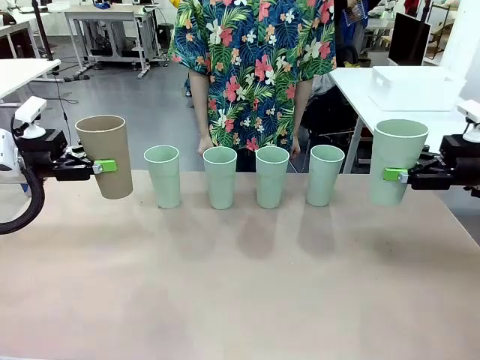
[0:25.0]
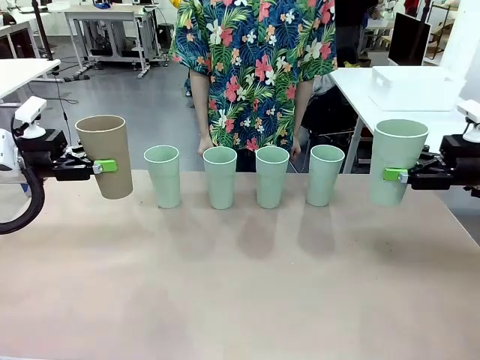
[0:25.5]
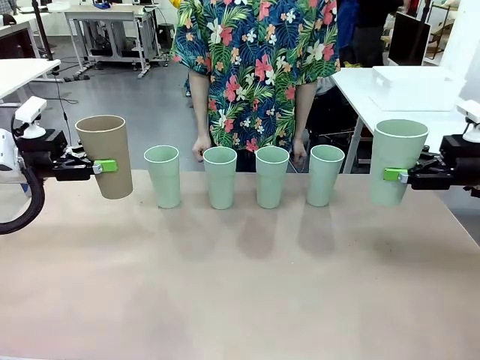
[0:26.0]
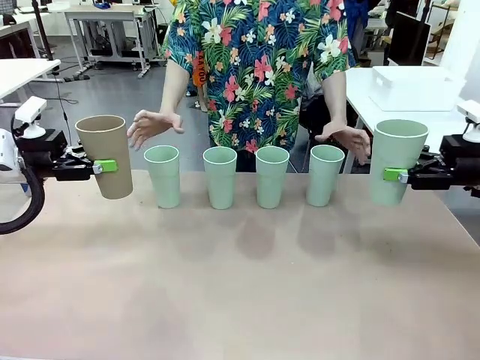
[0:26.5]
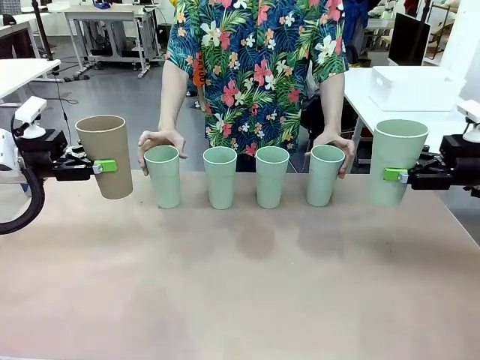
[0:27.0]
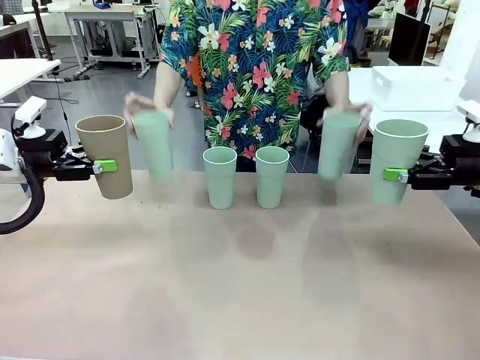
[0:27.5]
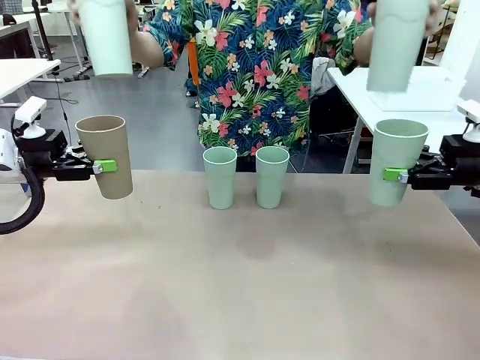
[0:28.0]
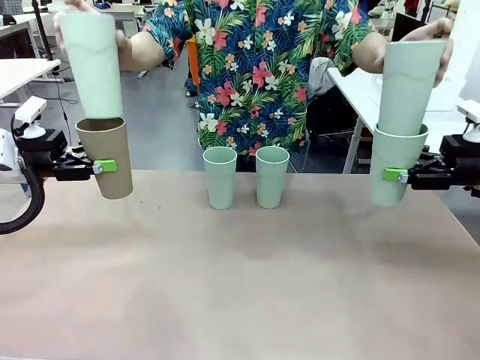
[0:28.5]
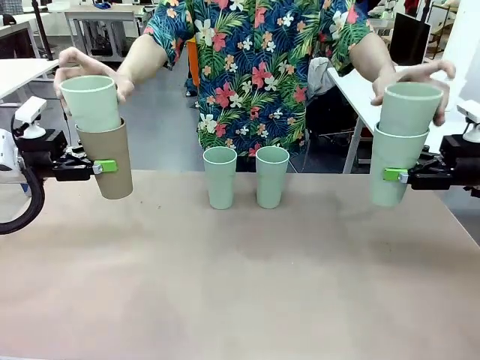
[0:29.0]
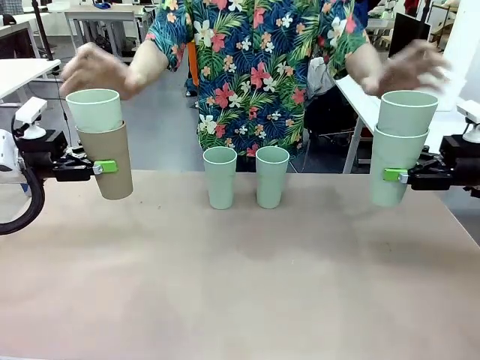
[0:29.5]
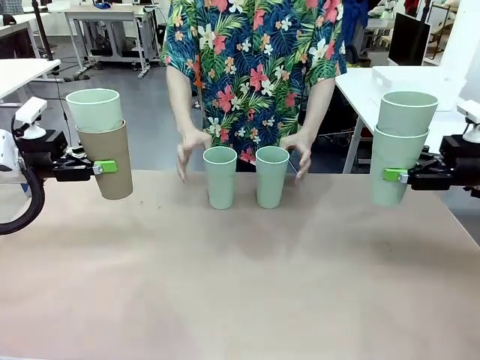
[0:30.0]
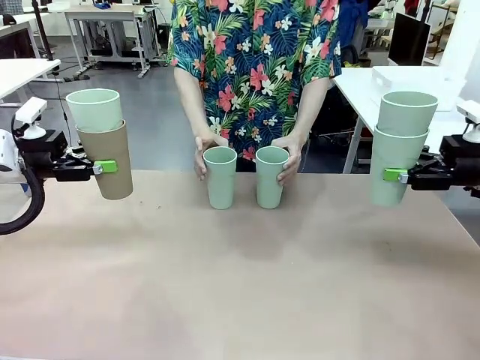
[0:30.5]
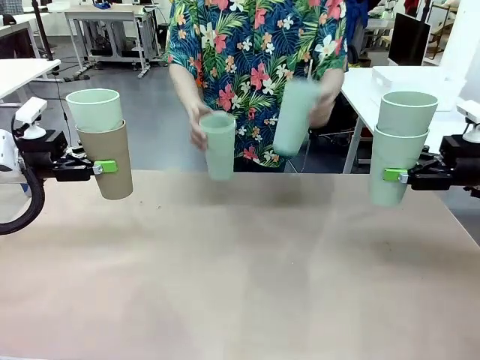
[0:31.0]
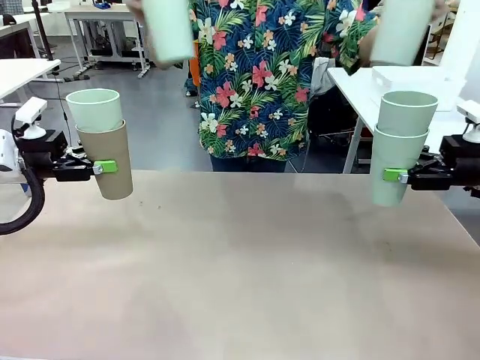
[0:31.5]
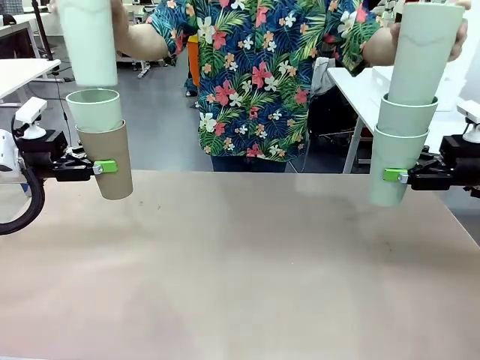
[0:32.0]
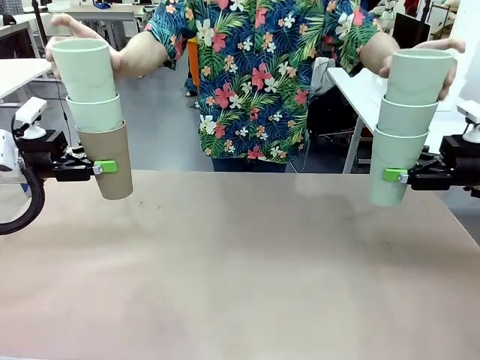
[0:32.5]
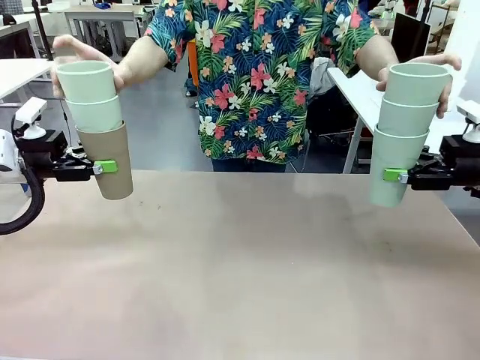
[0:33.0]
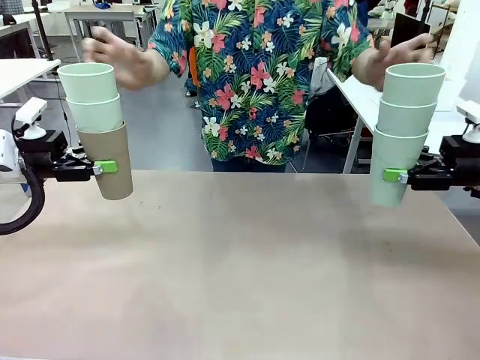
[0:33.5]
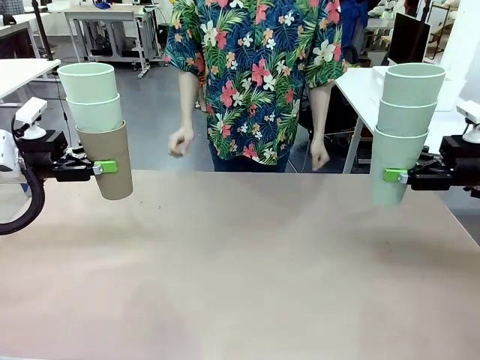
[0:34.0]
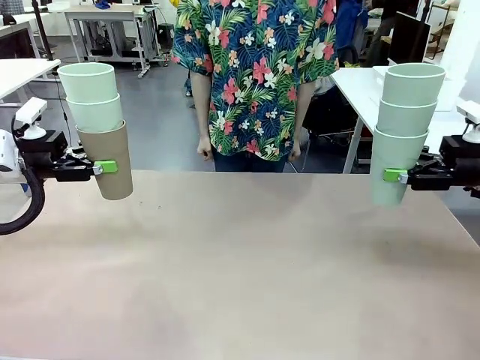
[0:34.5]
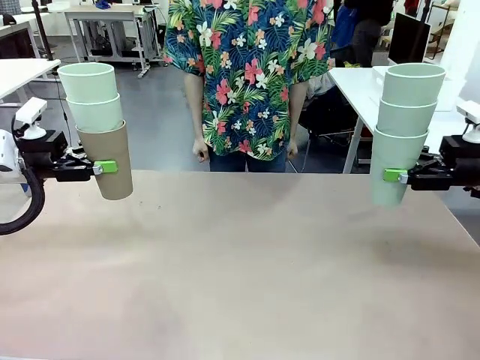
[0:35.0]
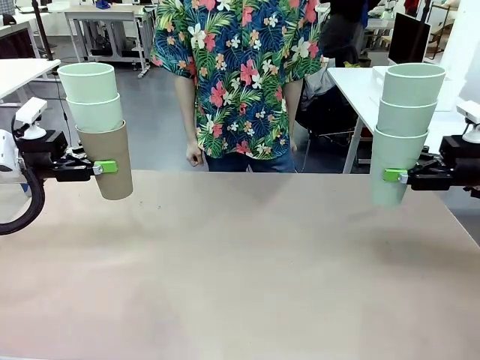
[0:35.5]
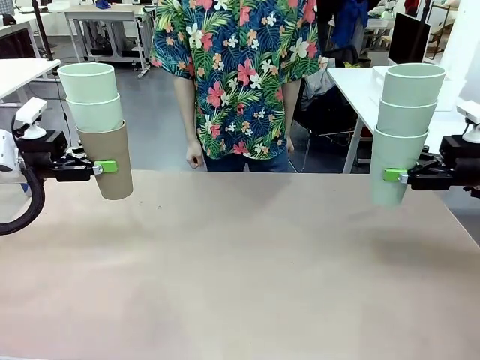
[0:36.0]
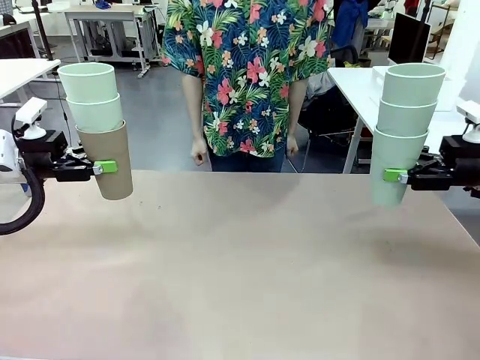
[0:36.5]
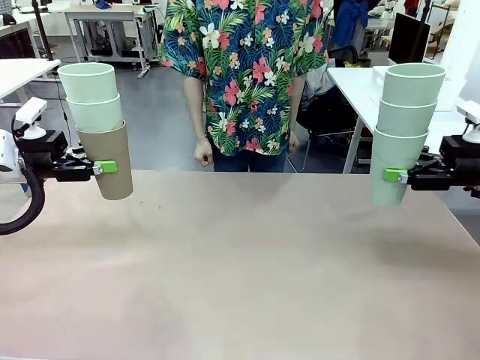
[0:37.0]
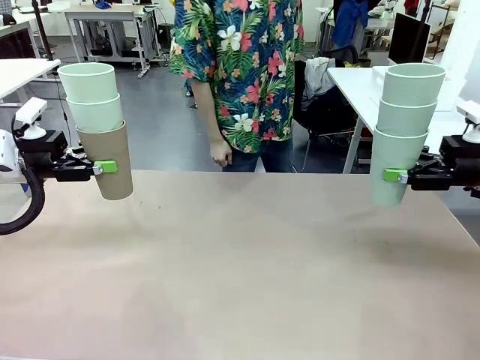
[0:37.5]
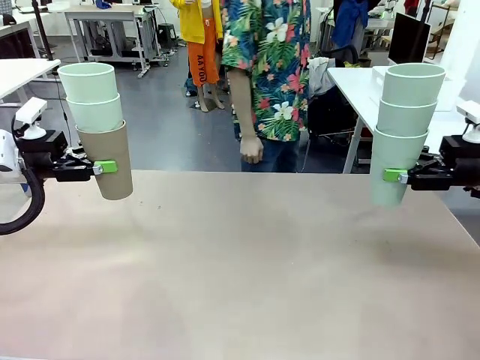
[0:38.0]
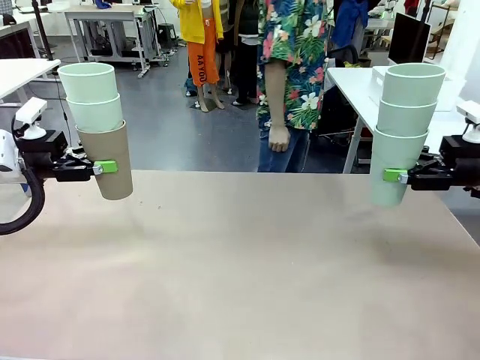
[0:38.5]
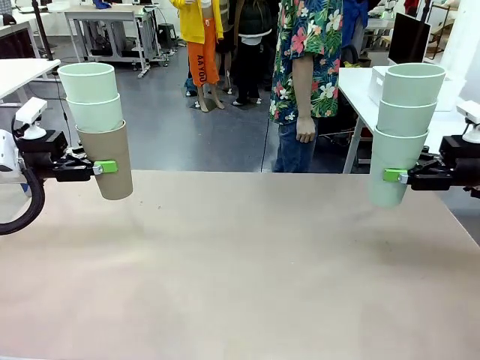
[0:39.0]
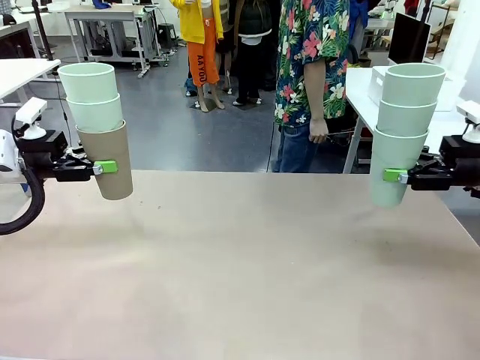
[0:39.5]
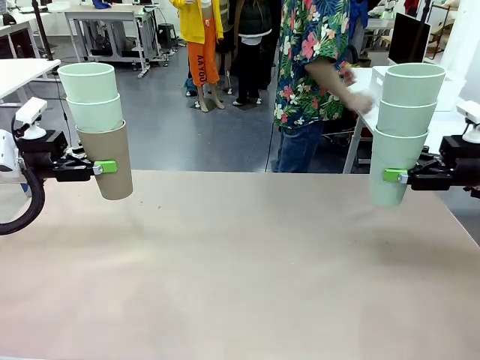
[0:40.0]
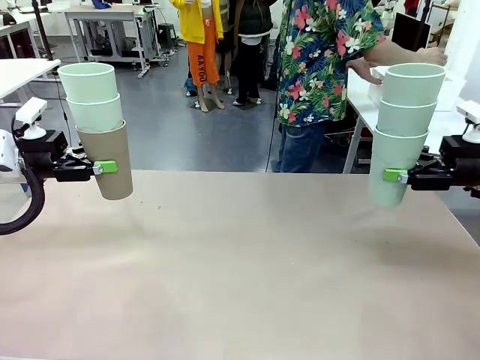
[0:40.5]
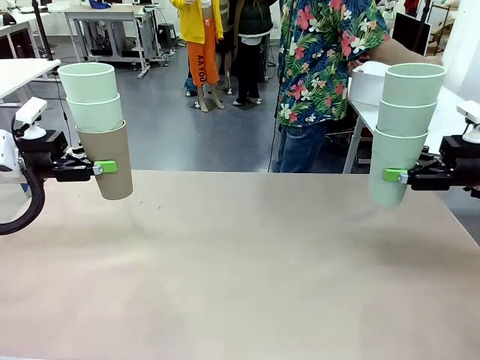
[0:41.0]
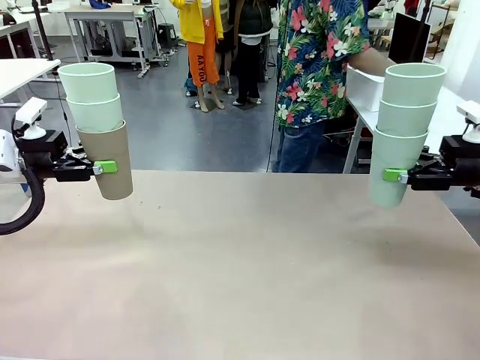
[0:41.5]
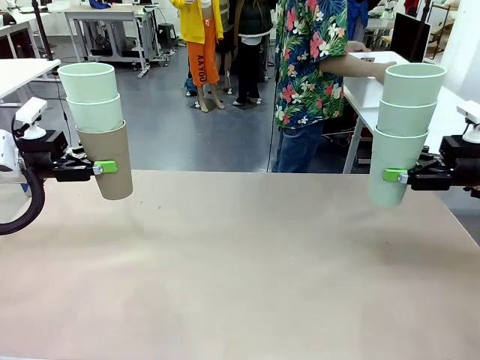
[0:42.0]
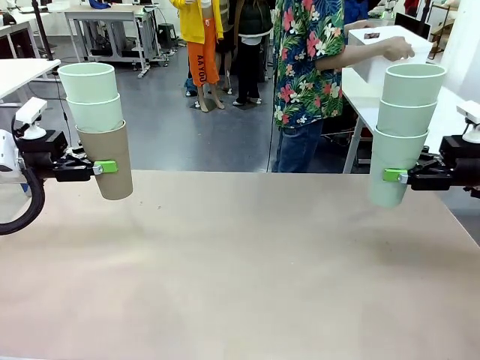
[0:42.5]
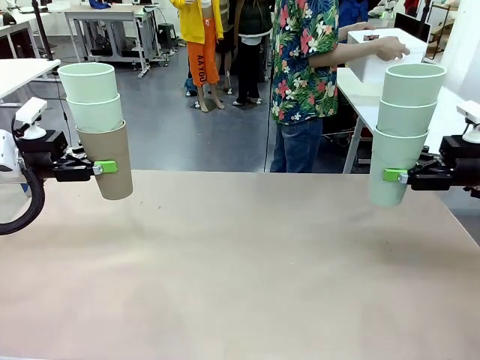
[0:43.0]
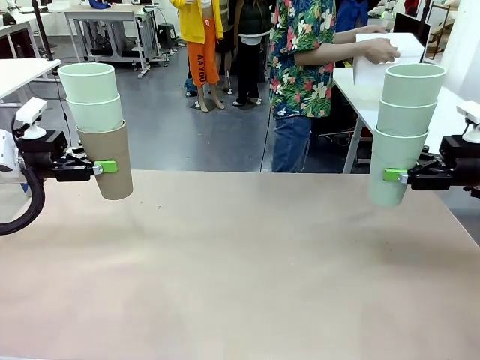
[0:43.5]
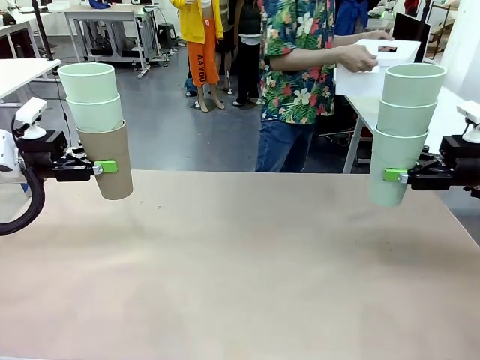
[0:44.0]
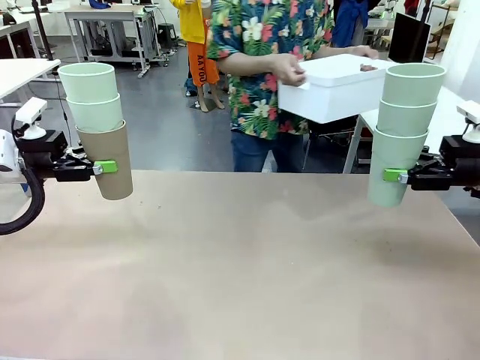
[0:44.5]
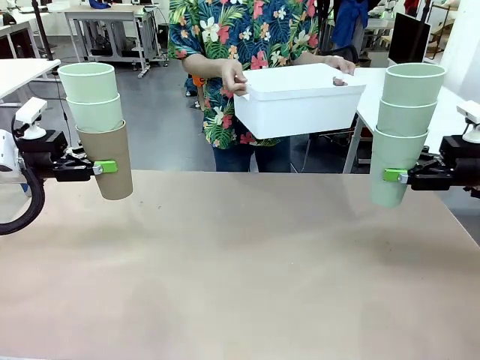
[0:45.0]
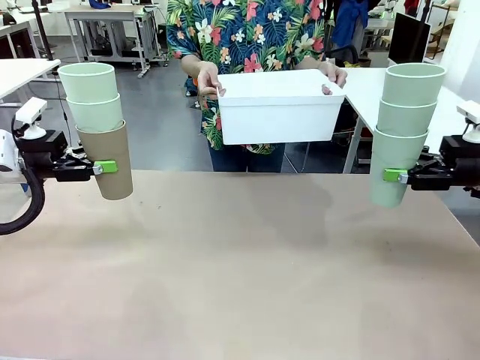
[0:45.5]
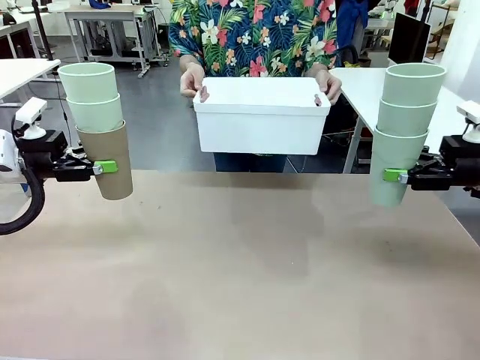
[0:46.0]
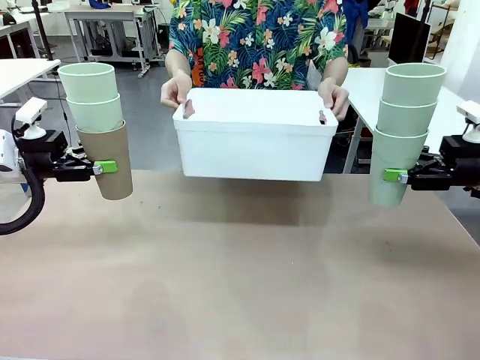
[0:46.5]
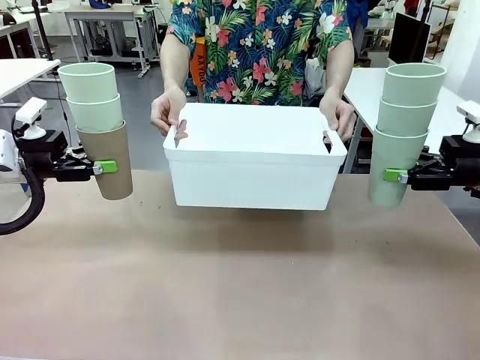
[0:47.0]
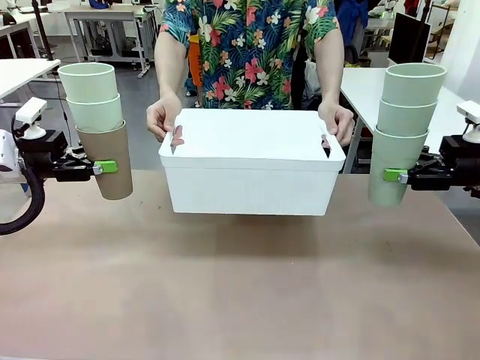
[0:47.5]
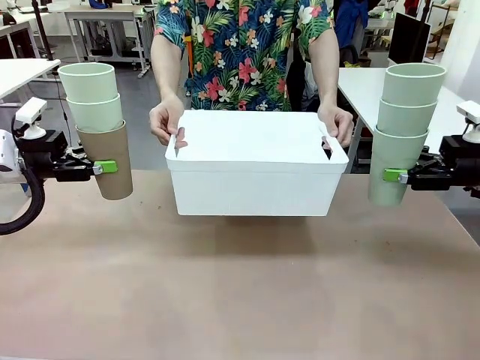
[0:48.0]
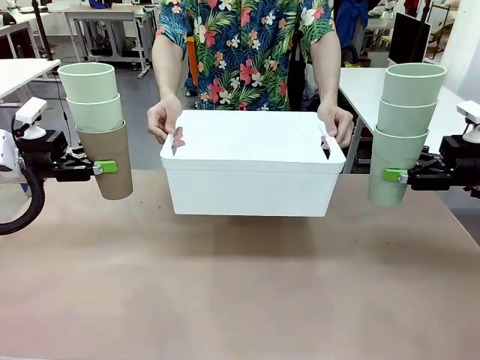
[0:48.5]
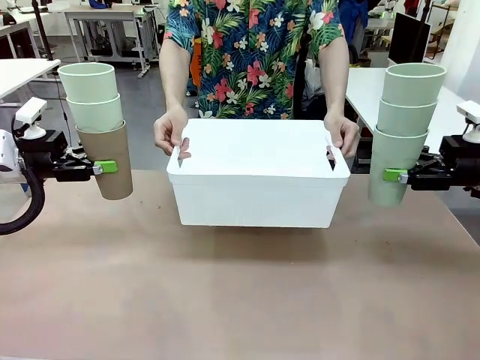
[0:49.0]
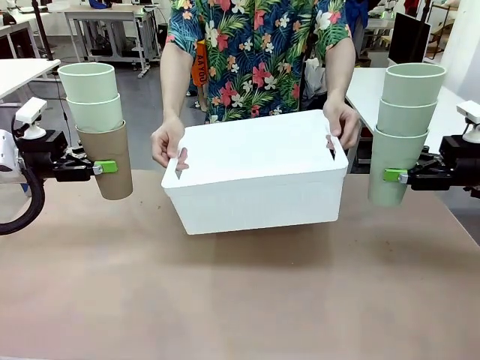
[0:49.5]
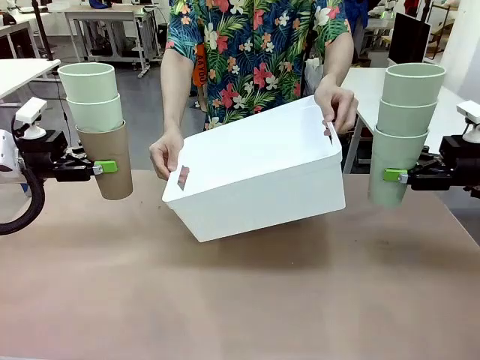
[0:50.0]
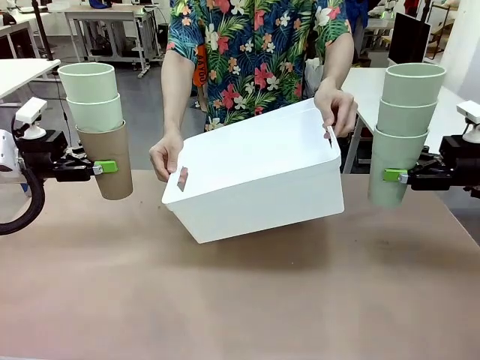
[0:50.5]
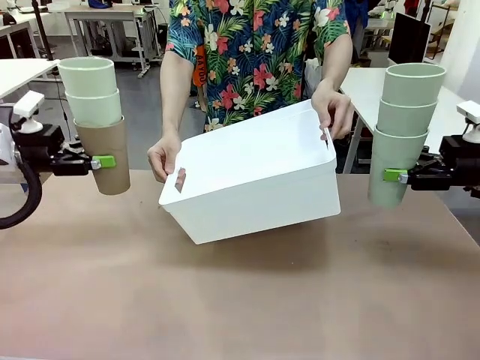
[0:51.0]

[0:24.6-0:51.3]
Task: Stack the cups and store them in the basket.
Robot: Place the stack of Reusable plastic cups into the Pantry Basket.
Person: Pick up the basket from the Human Table, bring it to the front of the robot, and present it.

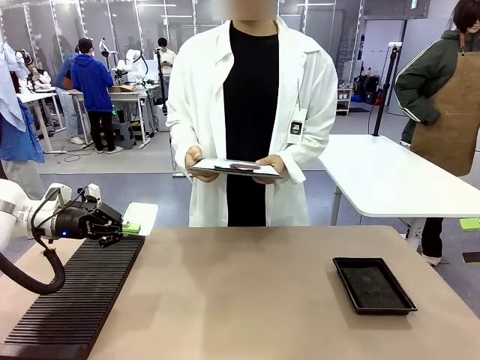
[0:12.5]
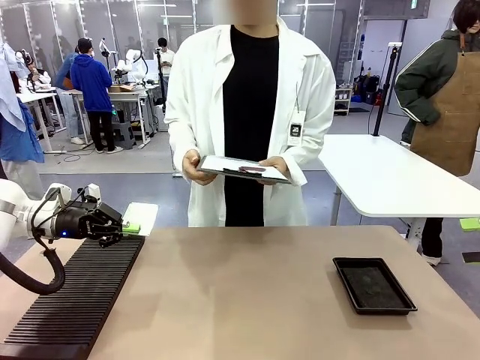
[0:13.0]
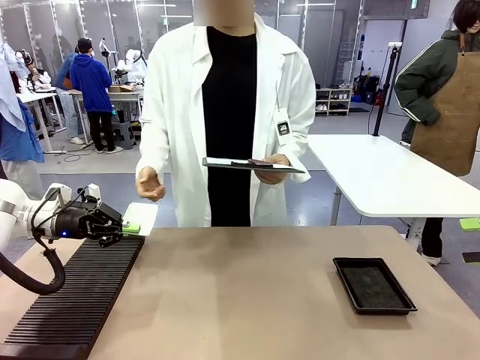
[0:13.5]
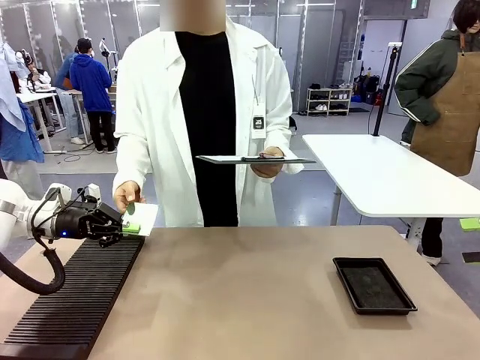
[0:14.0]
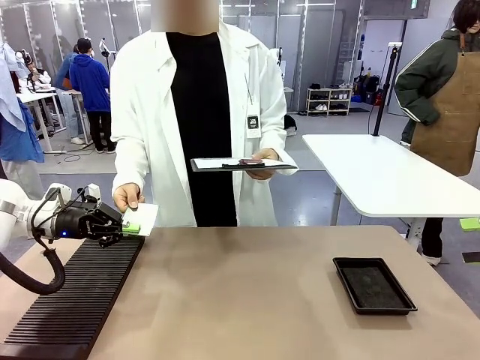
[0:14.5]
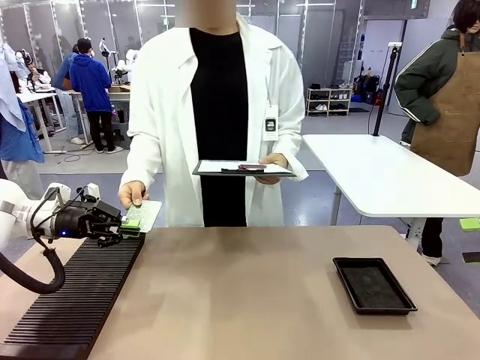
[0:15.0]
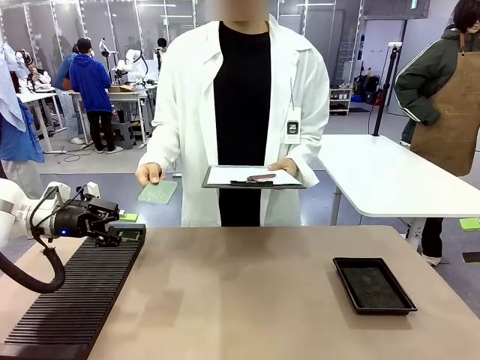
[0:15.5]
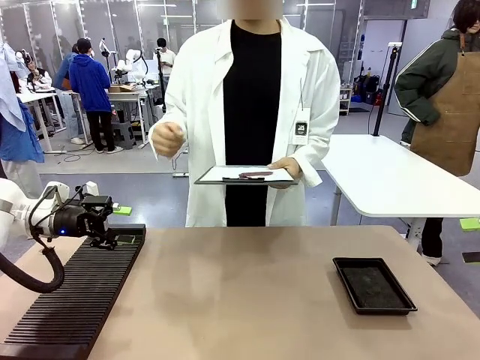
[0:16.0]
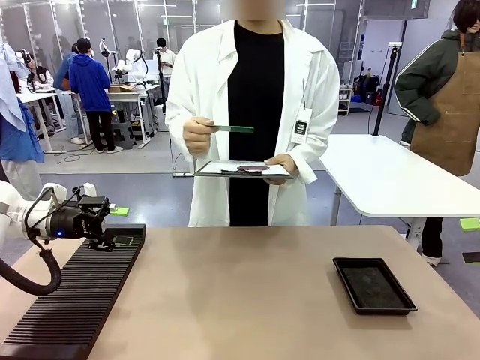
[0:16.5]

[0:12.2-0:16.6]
Task: Inspect the PCB.
Robot: Release the Blank PCB you were holding.
